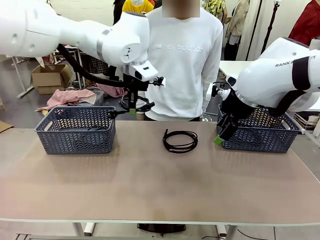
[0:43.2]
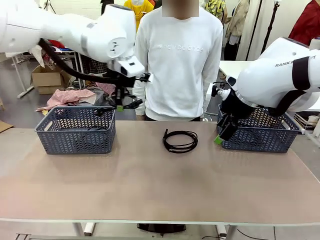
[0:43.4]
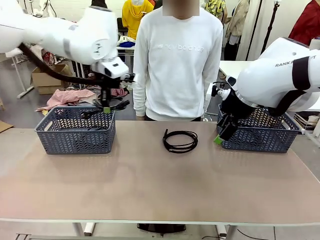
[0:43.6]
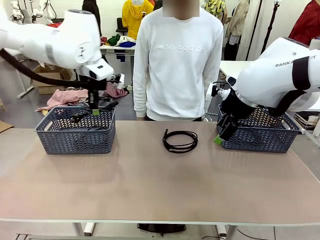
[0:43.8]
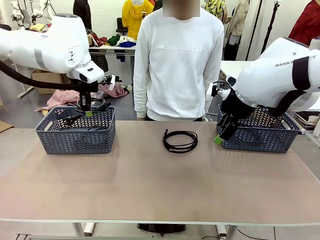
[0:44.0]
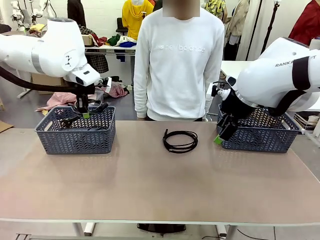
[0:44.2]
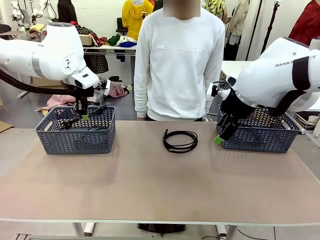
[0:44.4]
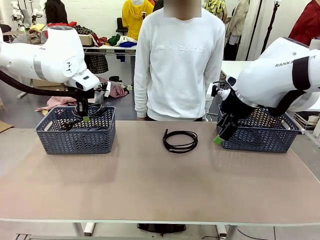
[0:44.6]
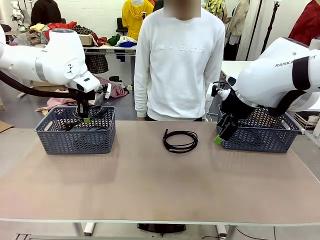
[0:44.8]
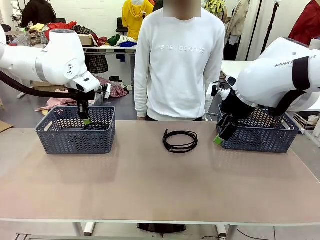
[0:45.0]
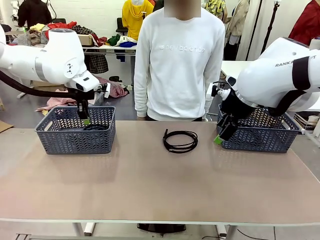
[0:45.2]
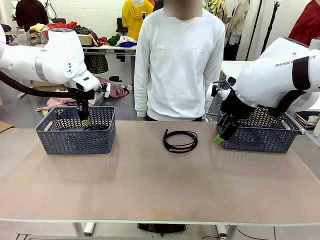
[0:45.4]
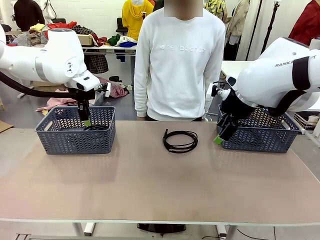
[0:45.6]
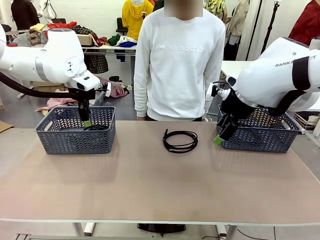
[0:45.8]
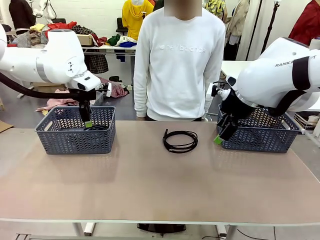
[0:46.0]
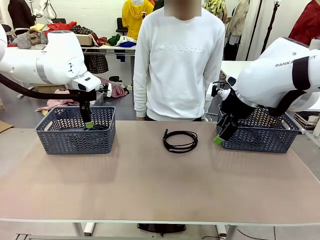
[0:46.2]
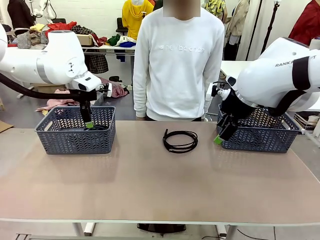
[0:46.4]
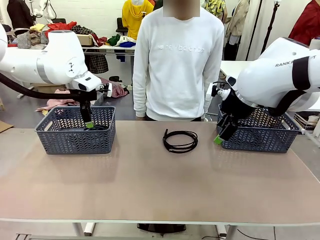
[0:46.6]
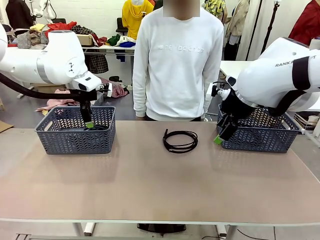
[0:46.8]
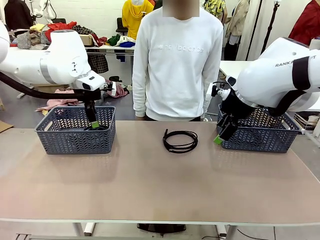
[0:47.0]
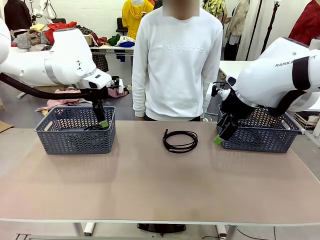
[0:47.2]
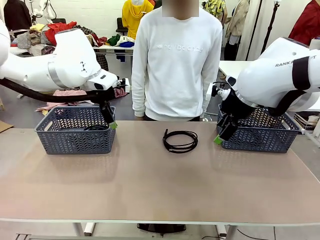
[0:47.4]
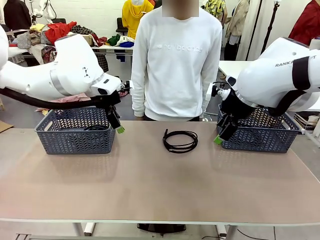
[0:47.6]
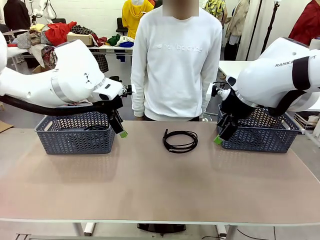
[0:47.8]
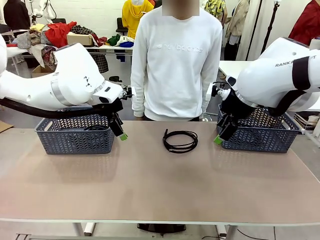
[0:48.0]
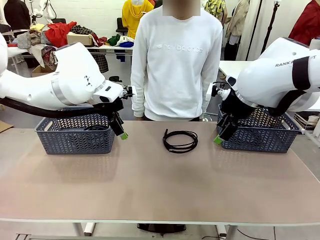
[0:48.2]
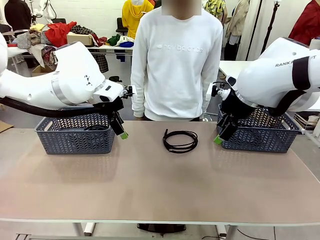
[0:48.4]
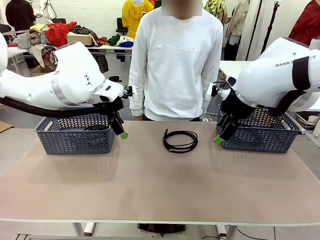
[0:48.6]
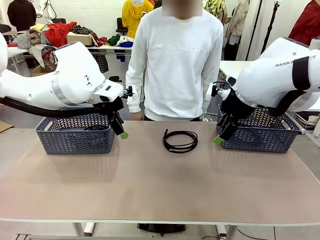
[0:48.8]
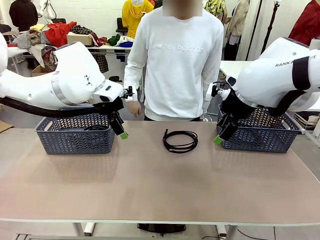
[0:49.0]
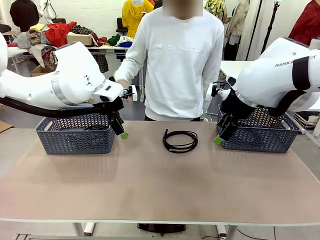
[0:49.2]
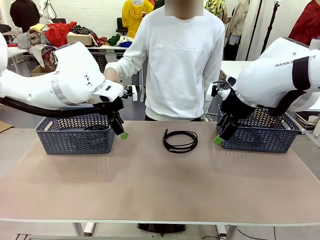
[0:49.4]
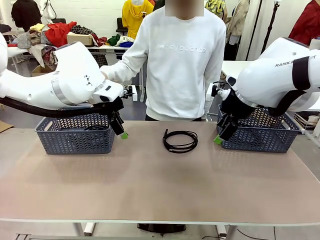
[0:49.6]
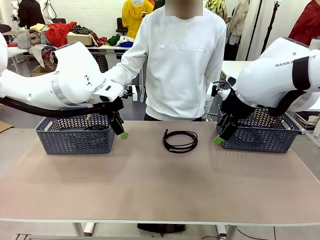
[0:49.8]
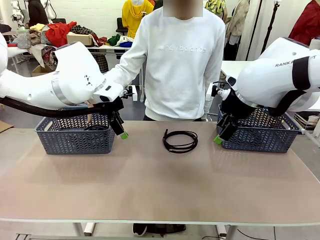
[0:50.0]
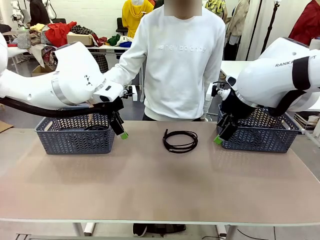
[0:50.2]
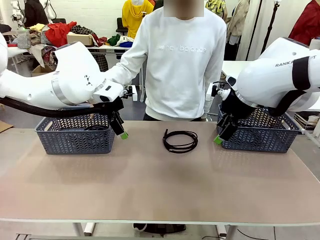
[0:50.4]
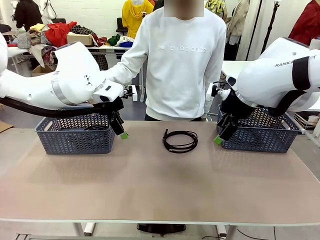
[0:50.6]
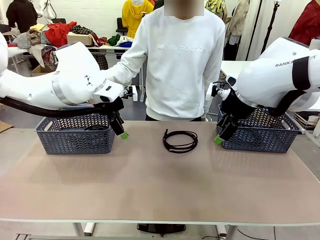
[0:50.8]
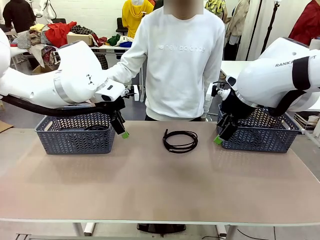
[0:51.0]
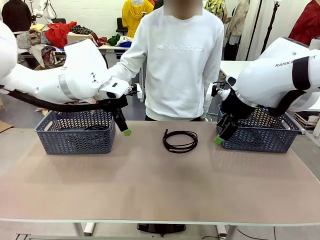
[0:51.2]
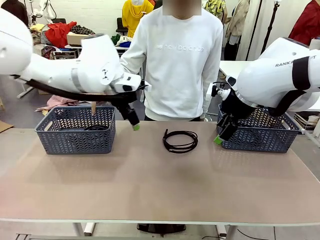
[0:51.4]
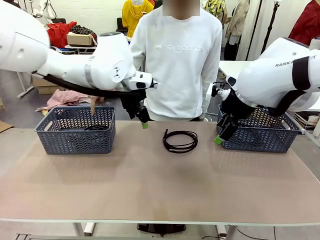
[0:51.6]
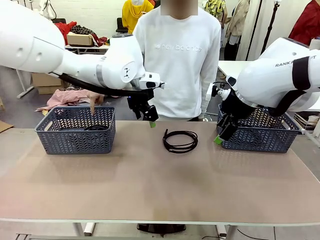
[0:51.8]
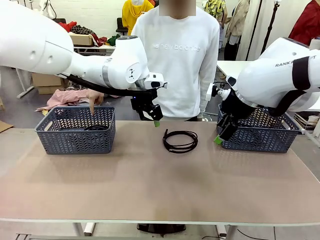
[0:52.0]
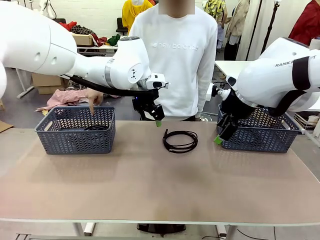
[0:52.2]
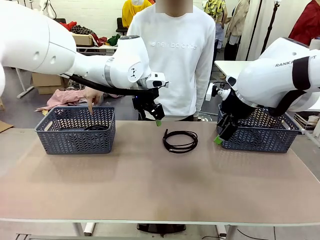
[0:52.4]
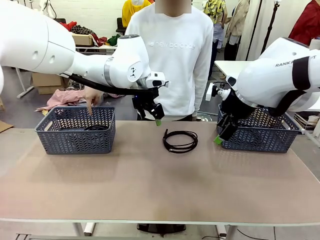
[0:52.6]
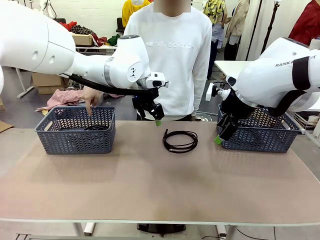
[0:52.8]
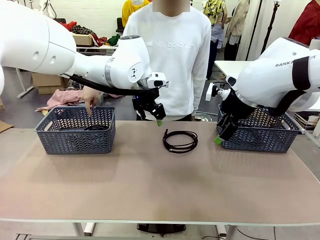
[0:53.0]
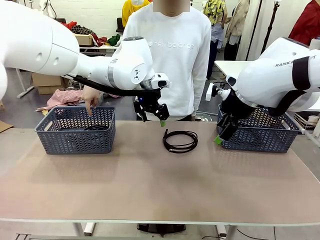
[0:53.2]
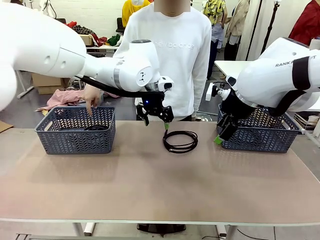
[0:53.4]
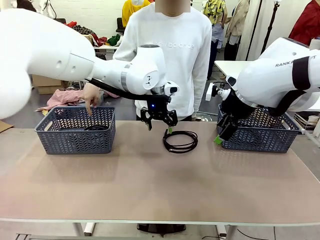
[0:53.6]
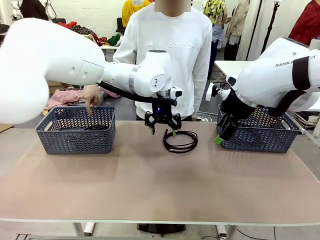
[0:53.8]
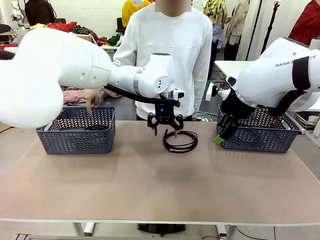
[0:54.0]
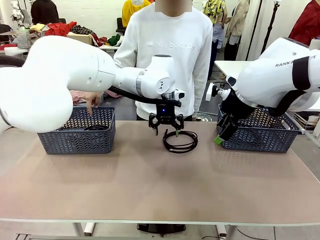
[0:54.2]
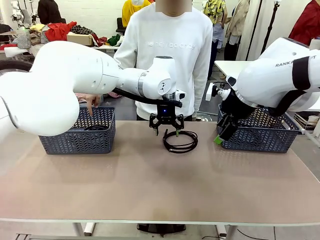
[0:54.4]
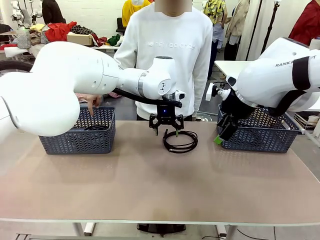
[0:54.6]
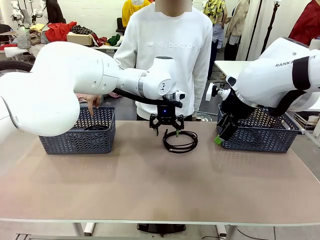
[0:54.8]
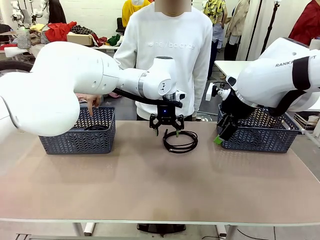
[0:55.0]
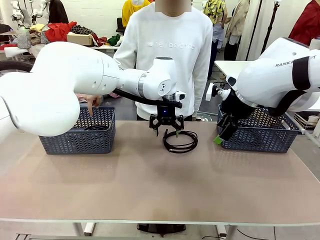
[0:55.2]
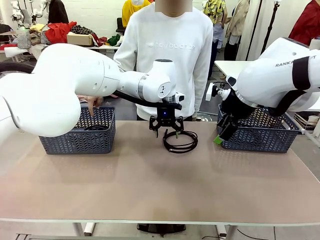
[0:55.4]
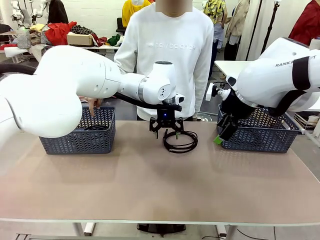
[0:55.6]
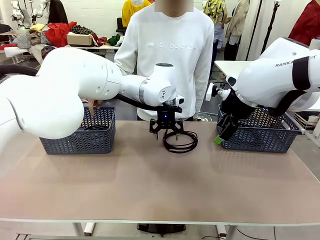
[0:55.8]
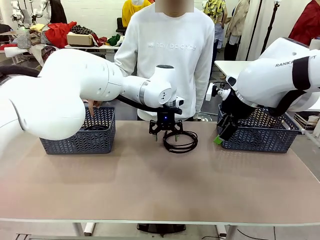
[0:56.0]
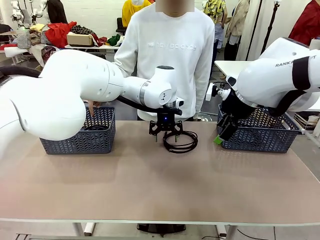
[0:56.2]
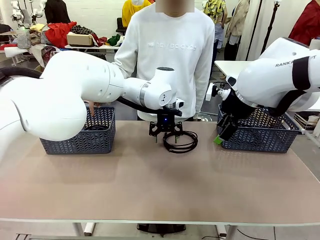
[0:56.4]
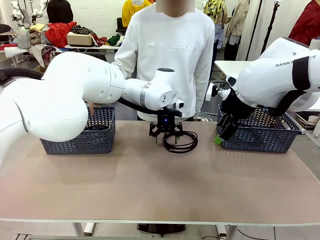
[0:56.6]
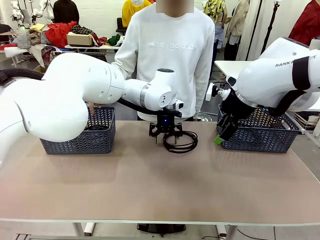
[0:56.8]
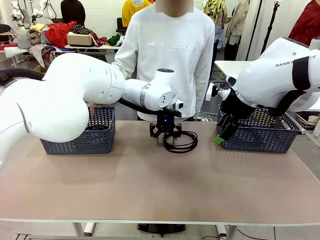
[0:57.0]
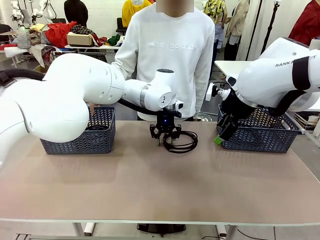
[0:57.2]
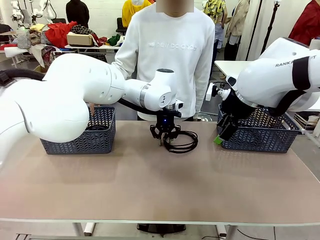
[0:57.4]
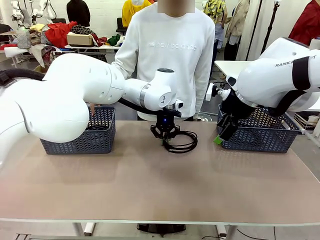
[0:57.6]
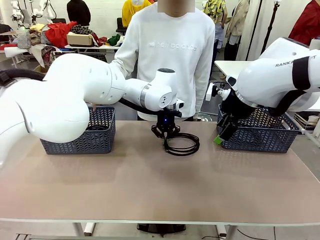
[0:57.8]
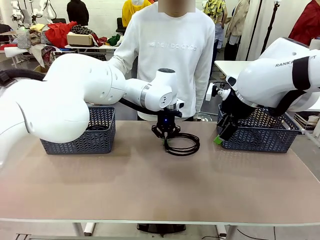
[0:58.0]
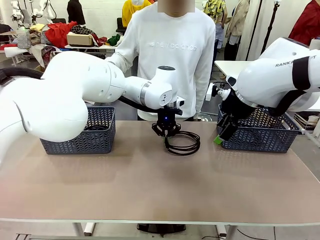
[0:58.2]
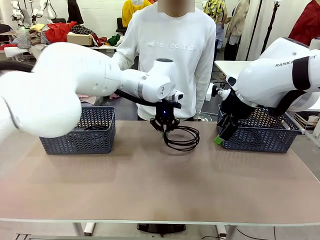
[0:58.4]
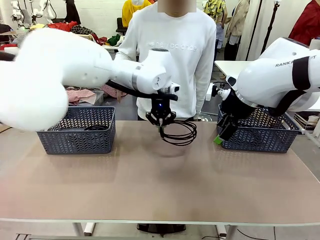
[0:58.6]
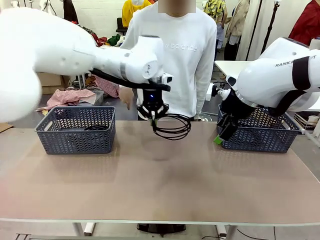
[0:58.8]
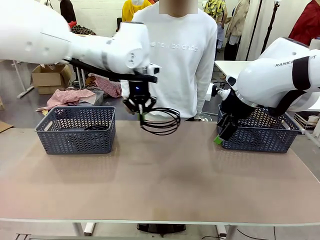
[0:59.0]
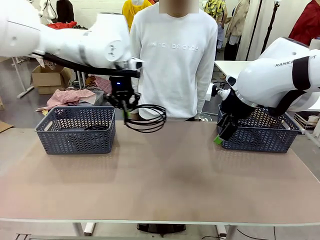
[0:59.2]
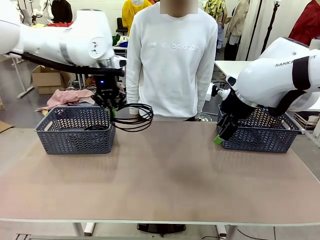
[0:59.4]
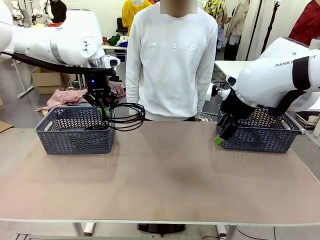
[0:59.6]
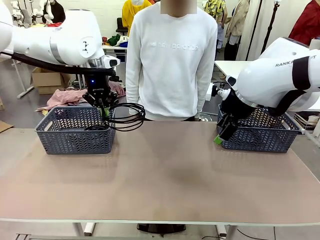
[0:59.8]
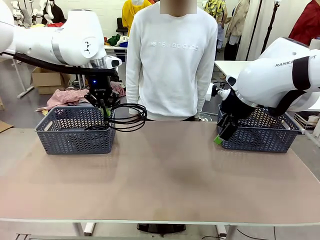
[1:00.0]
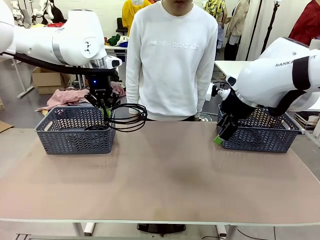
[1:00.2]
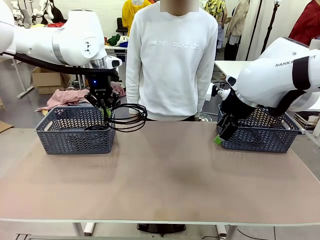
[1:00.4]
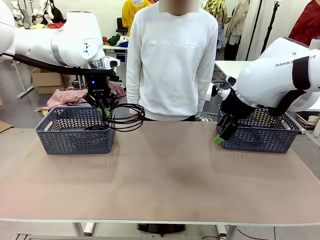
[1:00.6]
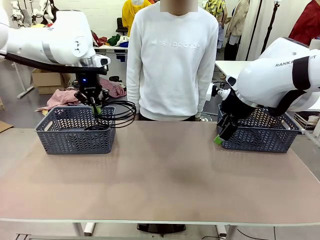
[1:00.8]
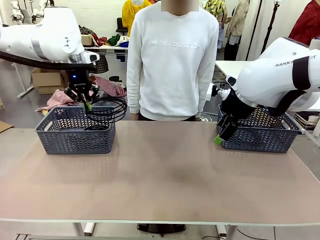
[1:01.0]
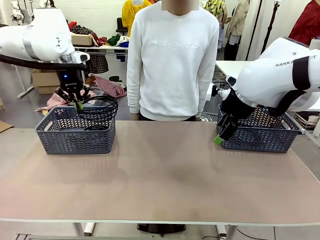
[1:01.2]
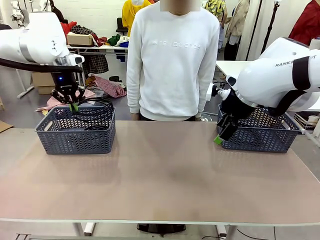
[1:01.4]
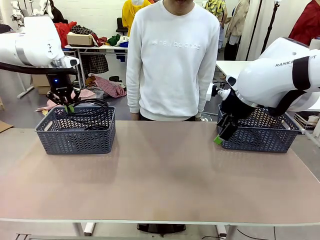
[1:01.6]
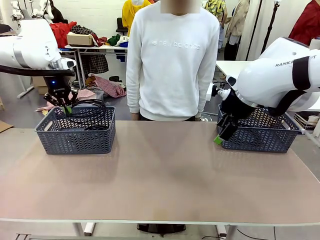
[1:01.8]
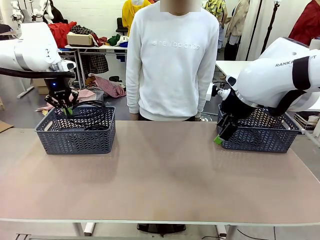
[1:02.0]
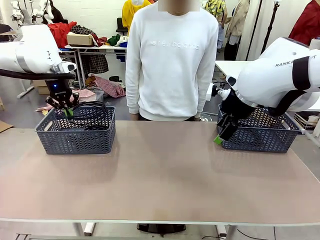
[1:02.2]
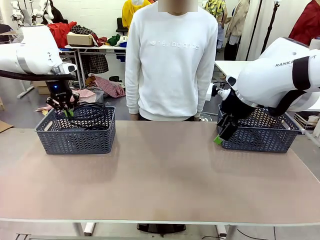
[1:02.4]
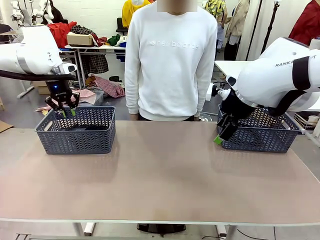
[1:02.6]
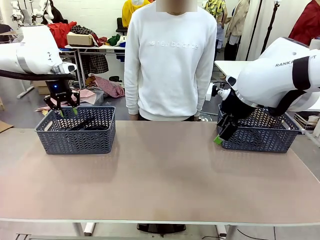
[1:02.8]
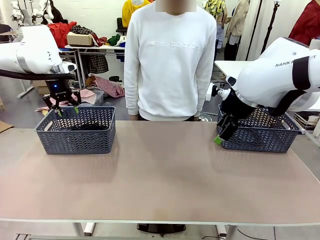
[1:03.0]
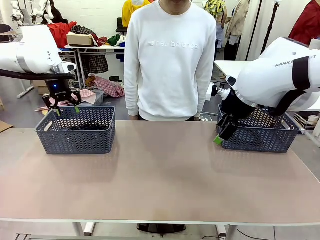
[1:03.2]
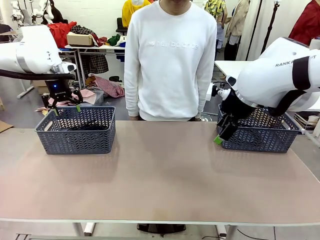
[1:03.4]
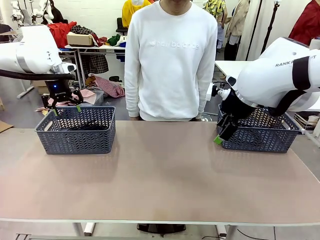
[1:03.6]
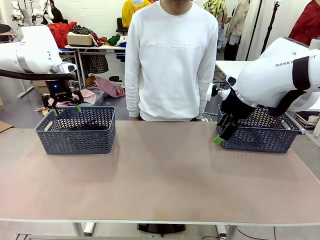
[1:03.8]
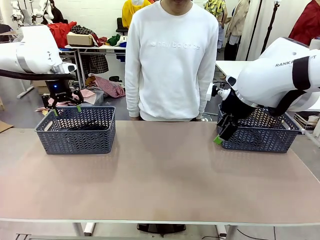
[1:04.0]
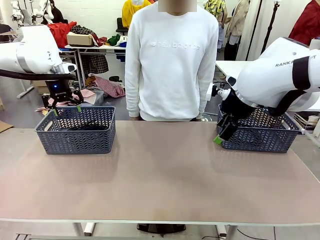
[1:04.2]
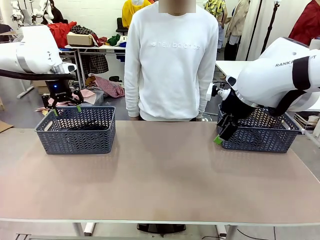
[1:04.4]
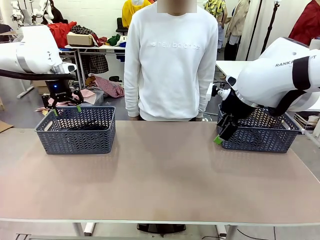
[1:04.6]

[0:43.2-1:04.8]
Task: Organize the cables according to human instructions.
Robot: Pick up a bundle of cables and place it in the basket indicated by the human.
